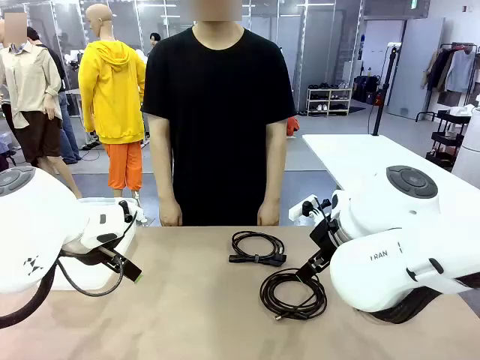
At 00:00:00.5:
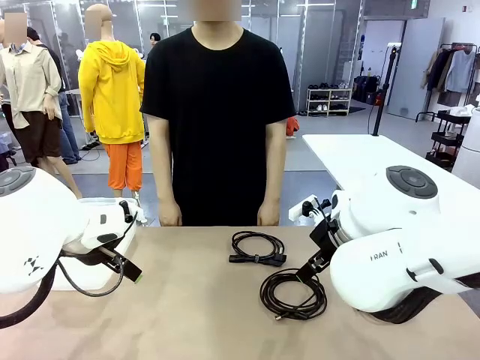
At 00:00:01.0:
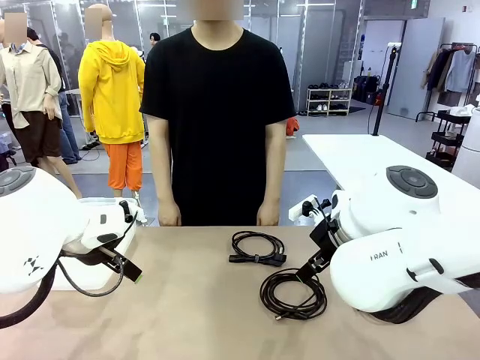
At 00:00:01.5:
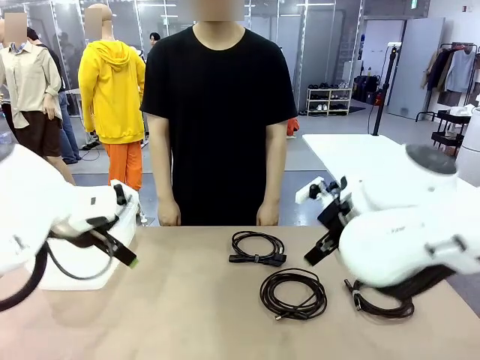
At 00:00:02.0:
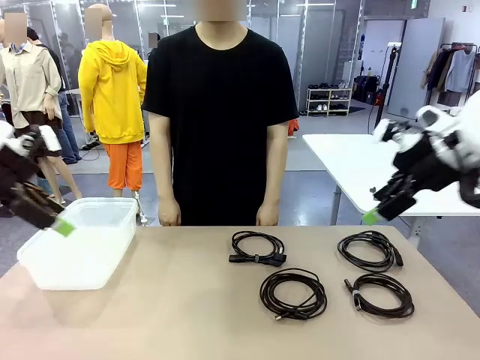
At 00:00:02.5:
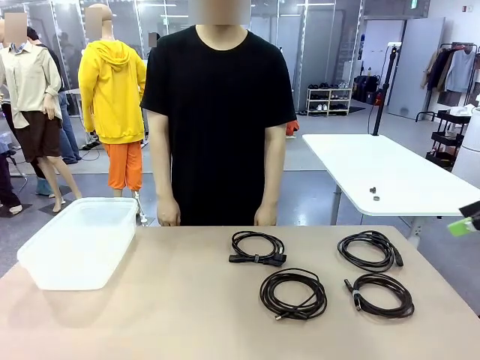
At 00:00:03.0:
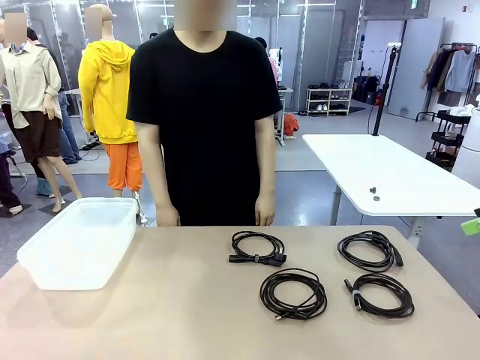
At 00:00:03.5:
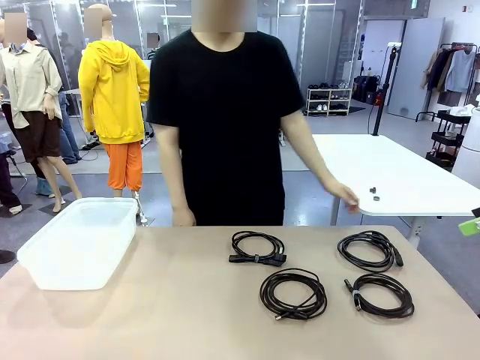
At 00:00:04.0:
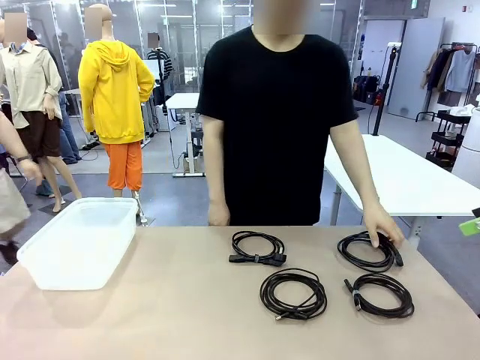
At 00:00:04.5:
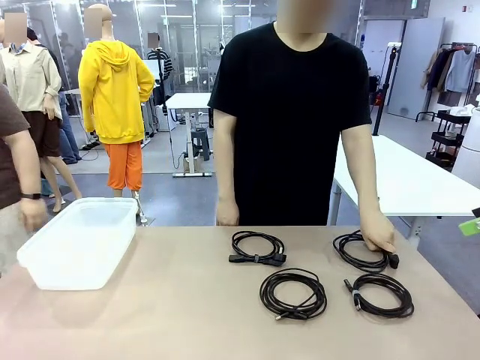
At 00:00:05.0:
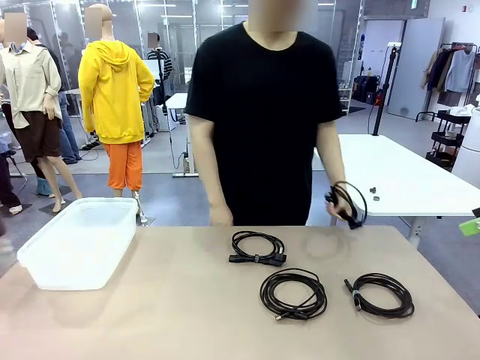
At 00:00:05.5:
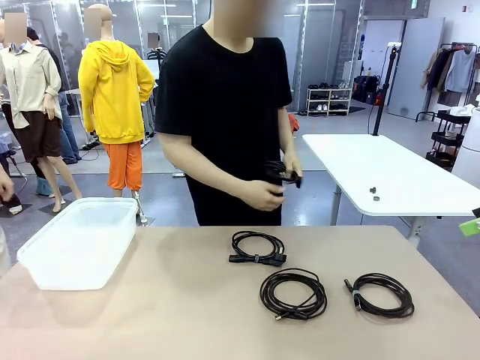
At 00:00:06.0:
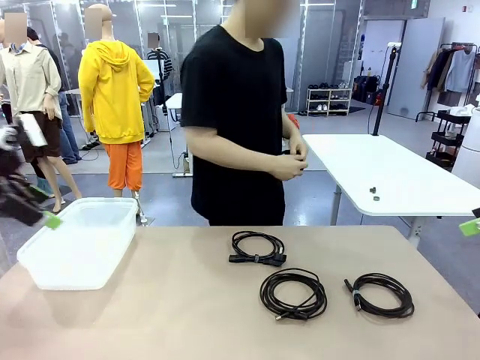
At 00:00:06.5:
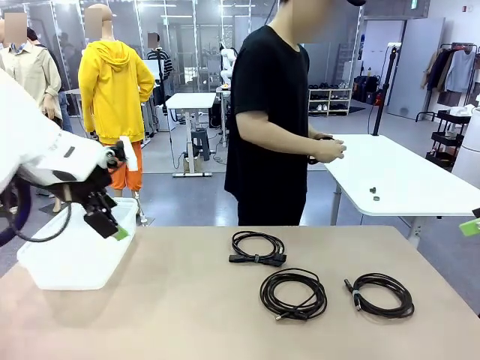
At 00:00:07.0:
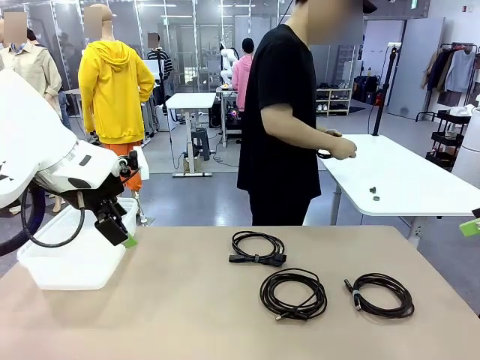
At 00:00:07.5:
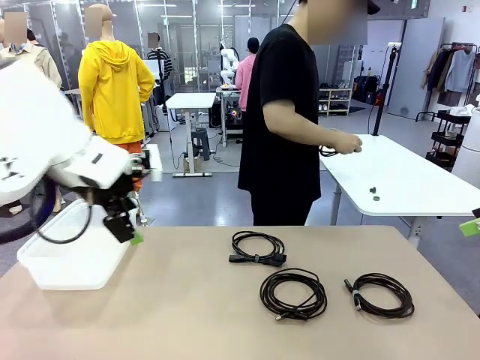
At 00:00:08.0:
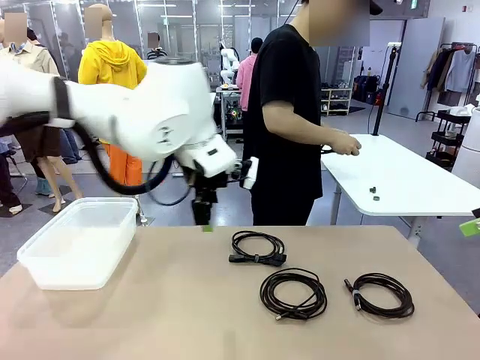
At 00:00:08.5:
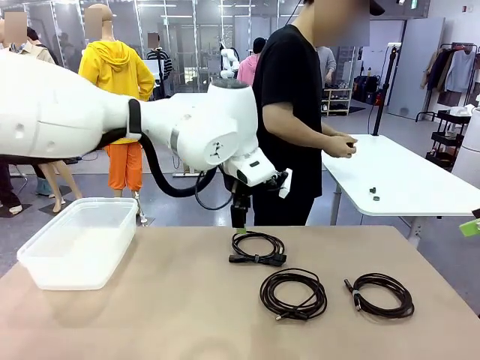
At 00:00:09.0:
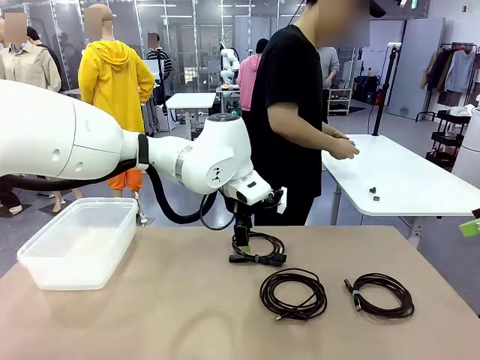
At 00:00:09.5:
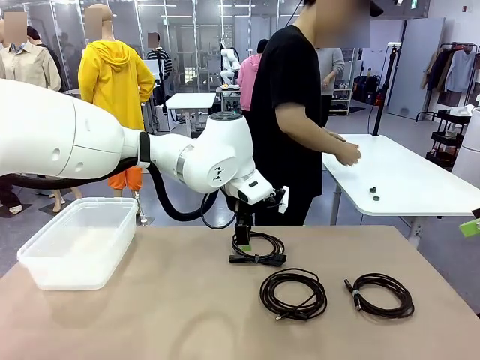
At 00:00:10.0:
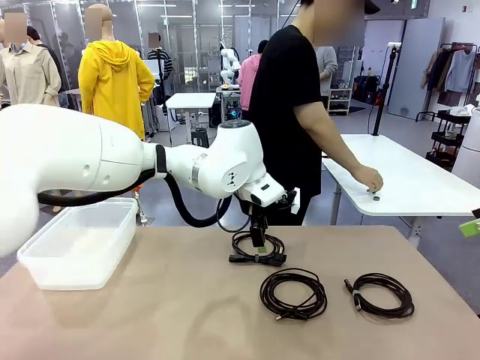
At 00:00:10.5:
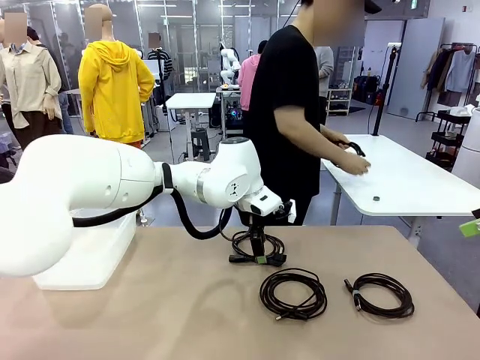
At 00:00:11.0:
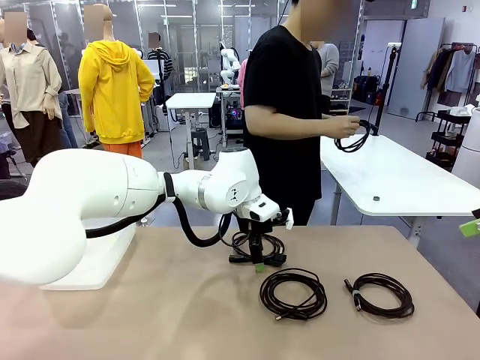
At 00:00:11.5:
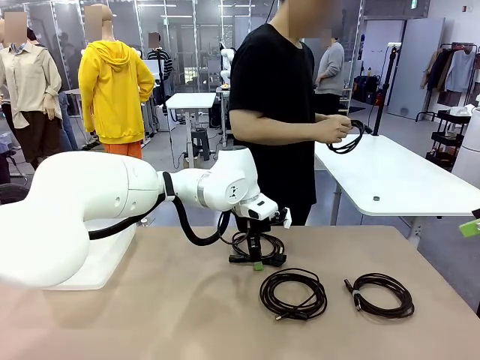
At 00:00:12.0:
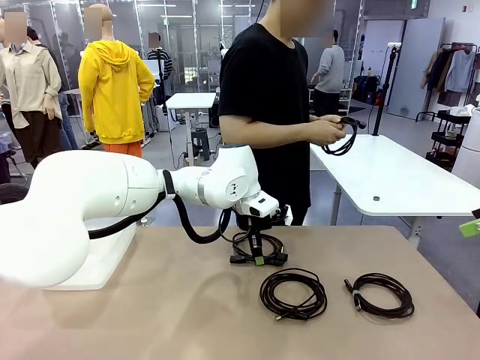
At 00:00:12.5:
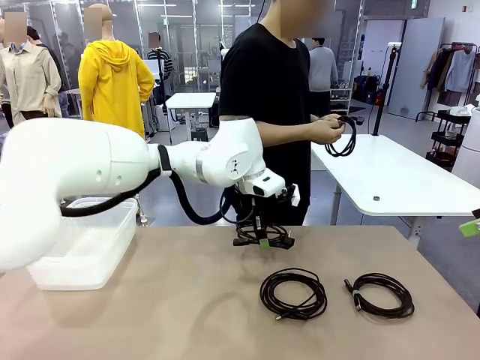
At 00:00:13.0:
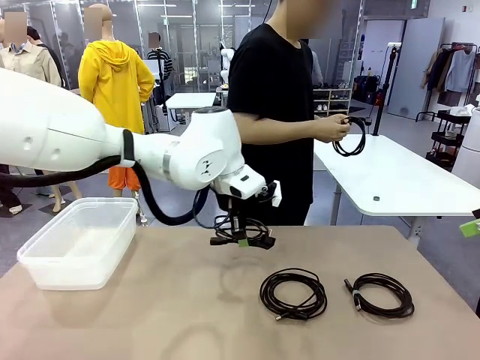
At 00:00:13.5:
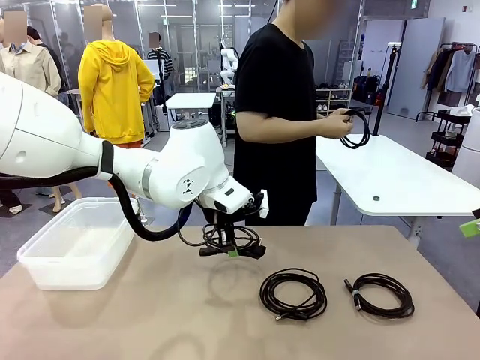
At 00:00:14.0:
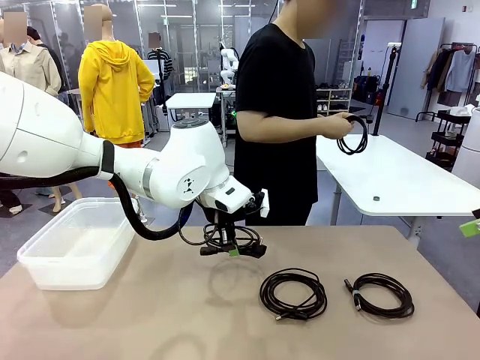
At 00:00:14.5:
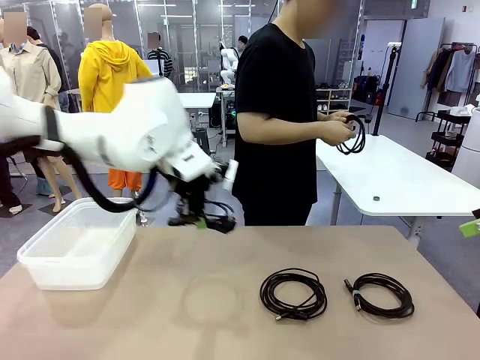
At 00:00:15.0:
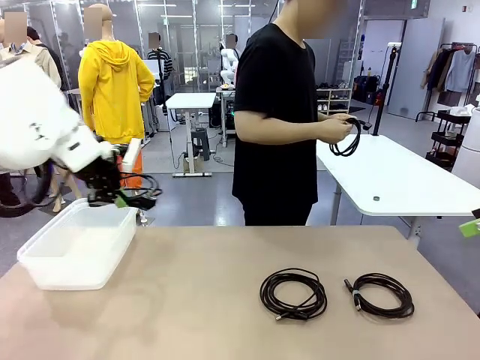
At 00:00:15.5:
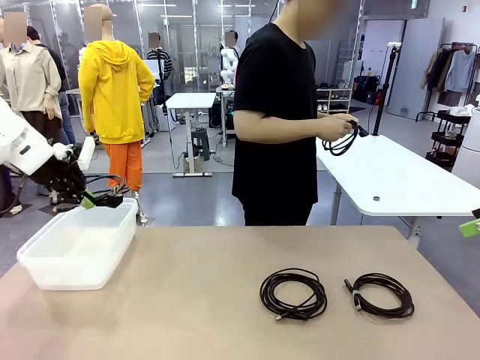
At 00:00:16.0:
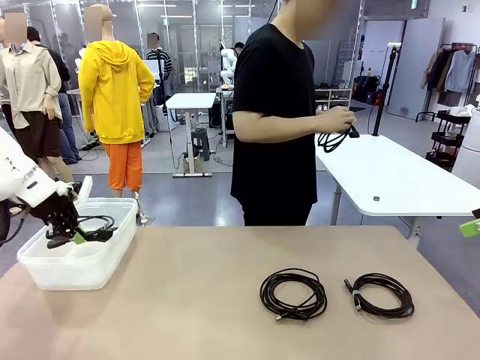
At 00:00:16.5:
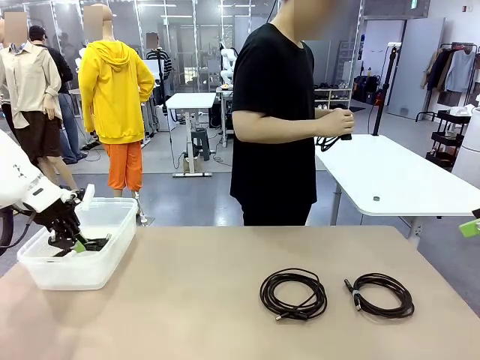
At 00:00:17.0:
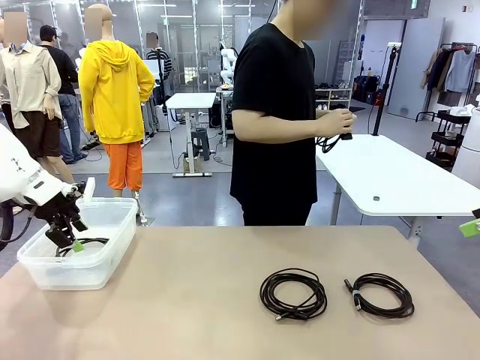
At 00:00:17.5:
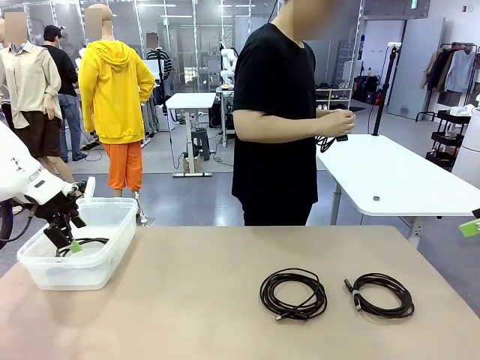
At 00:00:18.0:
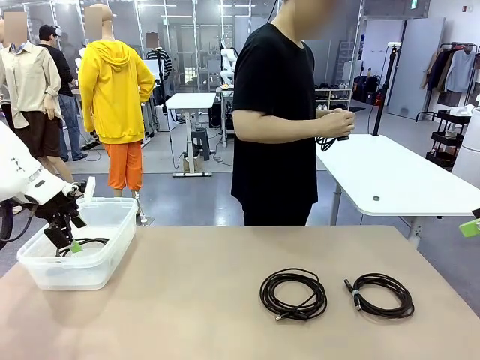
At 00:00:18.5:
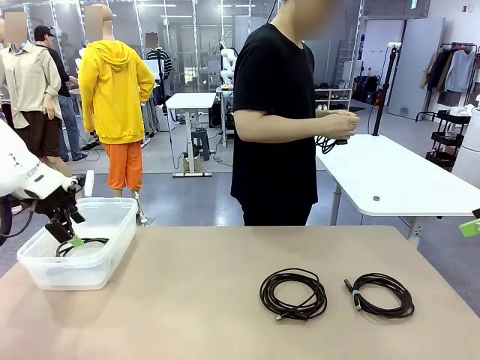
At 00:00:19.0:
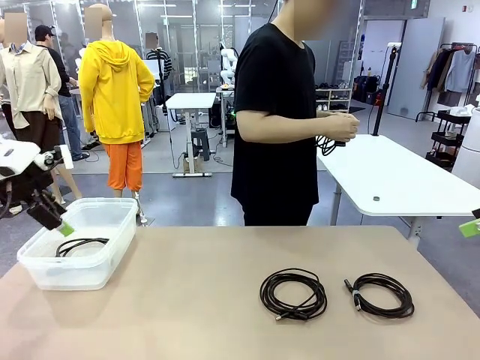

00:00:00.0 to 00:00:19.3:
Task: Organize and store the cables.
Robot: Place the Power Cable into the Organizing box.
Person: Tie one Power Cable with a Reusable Cable Tie.
